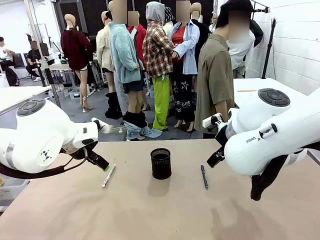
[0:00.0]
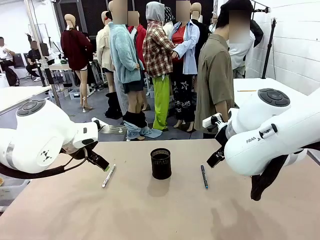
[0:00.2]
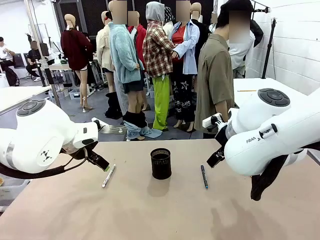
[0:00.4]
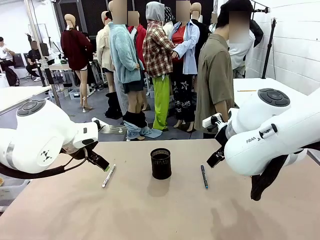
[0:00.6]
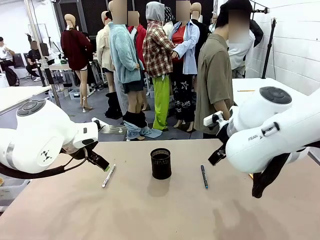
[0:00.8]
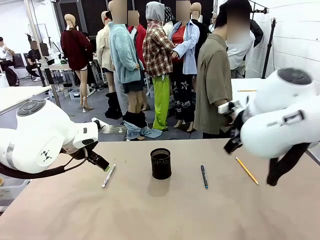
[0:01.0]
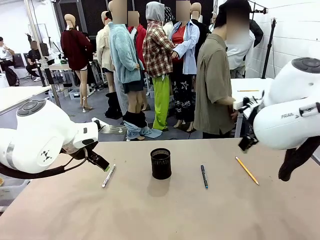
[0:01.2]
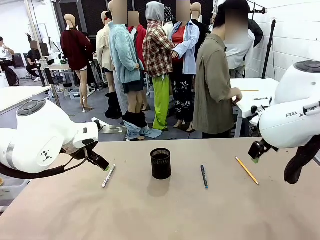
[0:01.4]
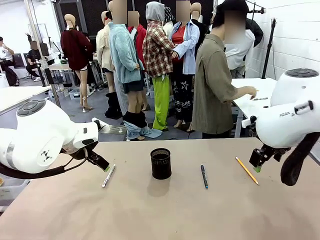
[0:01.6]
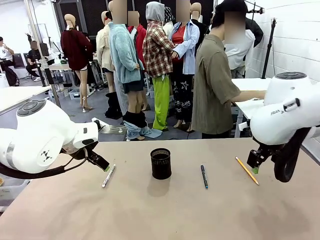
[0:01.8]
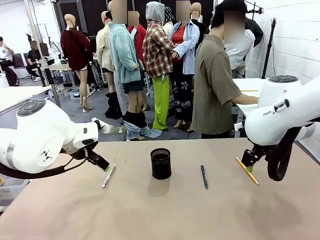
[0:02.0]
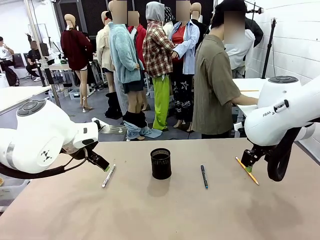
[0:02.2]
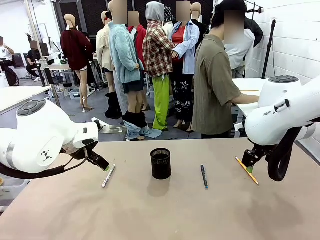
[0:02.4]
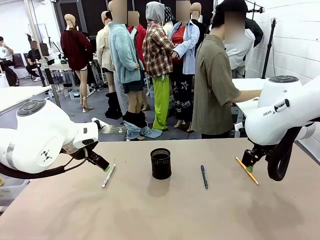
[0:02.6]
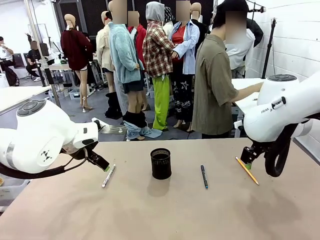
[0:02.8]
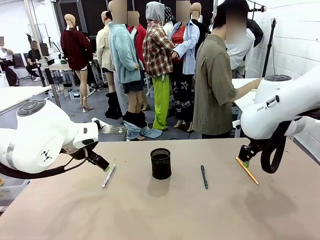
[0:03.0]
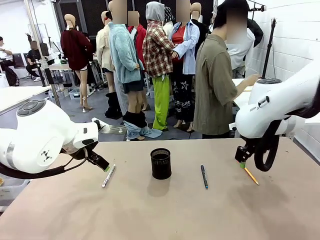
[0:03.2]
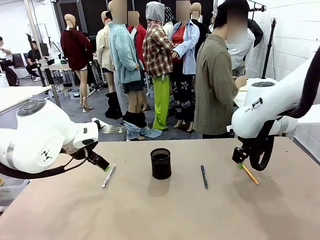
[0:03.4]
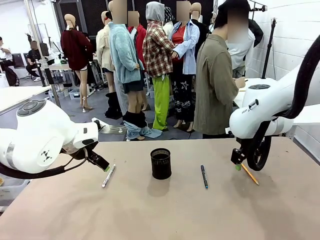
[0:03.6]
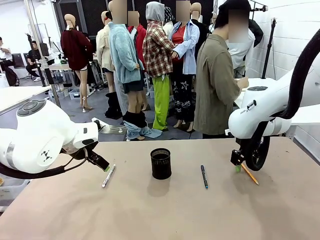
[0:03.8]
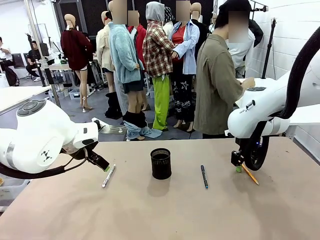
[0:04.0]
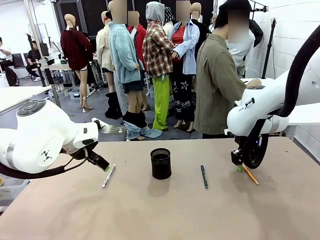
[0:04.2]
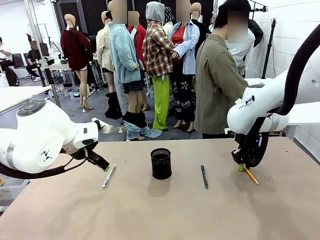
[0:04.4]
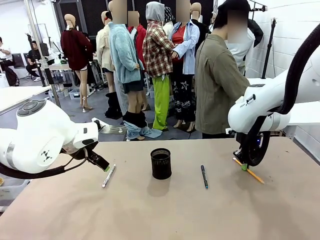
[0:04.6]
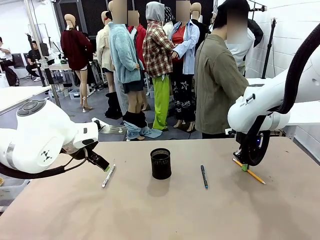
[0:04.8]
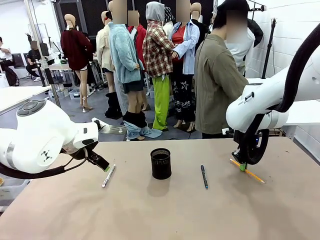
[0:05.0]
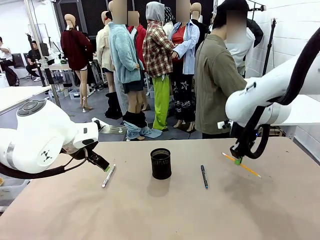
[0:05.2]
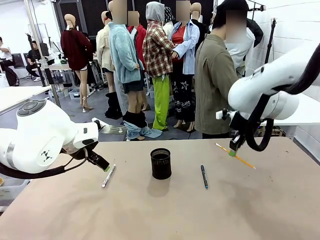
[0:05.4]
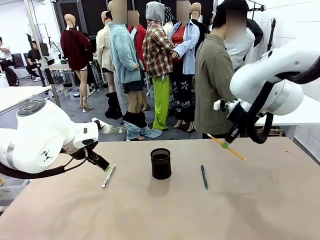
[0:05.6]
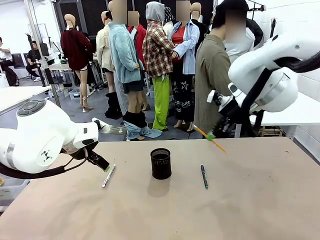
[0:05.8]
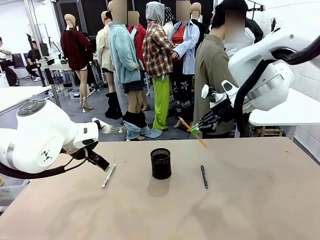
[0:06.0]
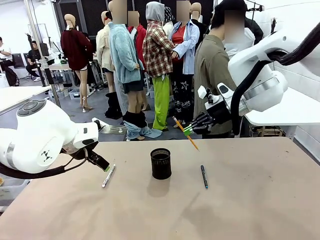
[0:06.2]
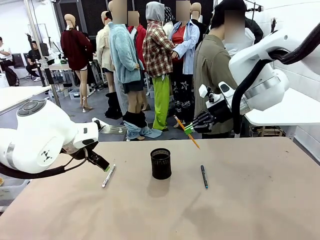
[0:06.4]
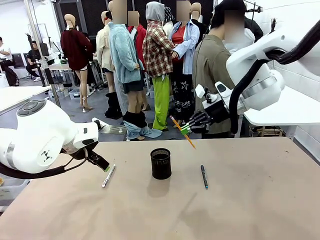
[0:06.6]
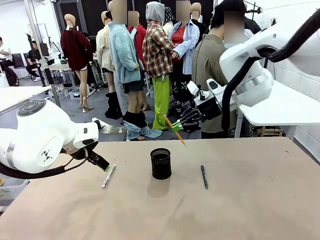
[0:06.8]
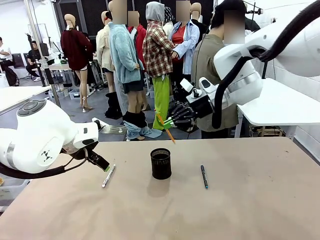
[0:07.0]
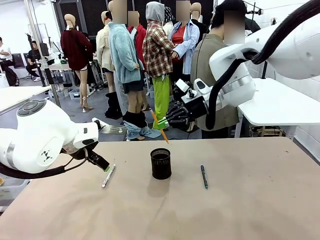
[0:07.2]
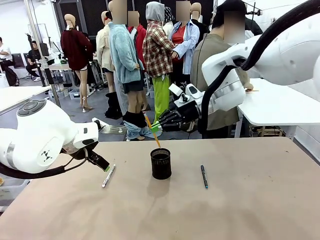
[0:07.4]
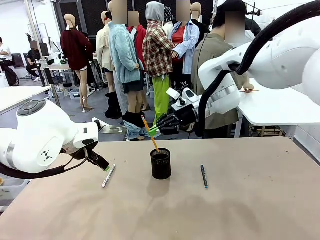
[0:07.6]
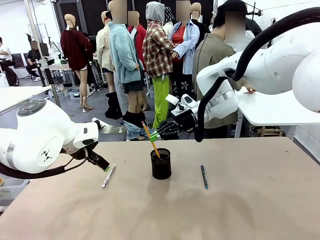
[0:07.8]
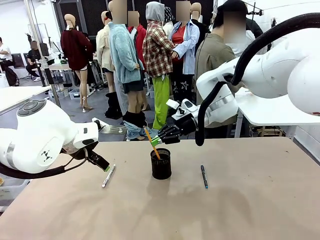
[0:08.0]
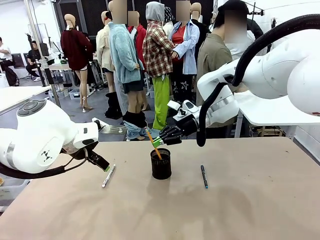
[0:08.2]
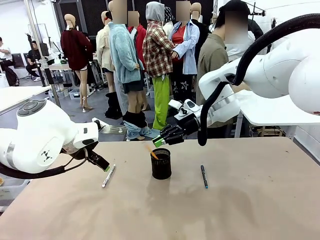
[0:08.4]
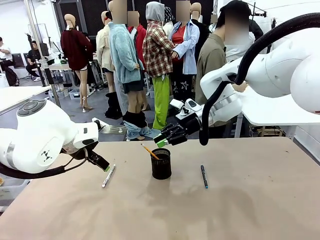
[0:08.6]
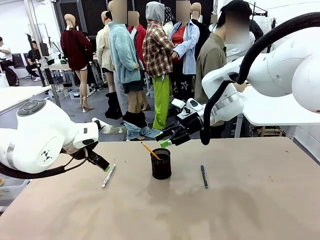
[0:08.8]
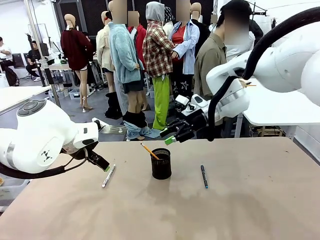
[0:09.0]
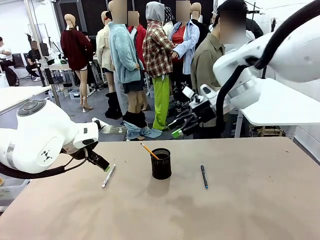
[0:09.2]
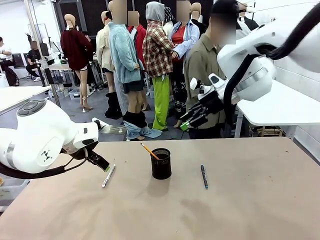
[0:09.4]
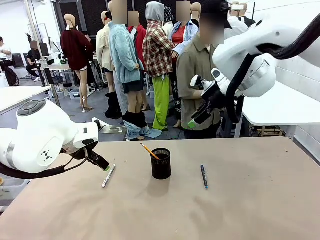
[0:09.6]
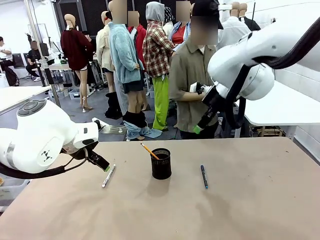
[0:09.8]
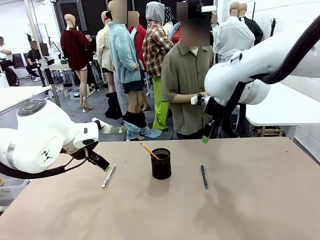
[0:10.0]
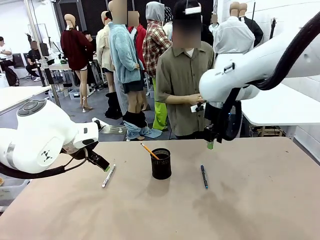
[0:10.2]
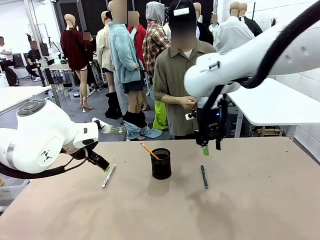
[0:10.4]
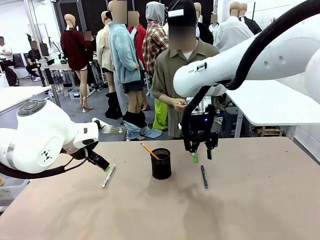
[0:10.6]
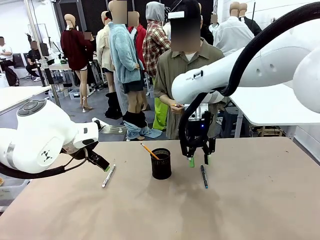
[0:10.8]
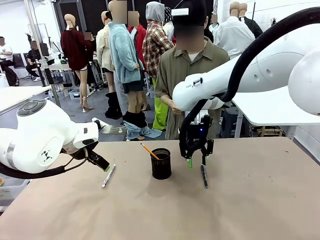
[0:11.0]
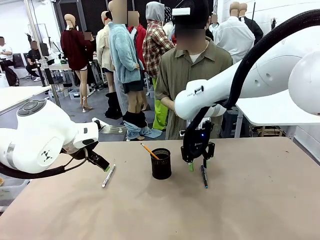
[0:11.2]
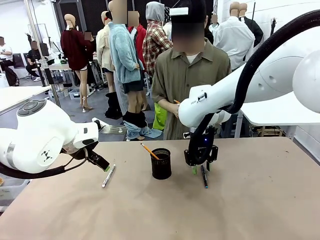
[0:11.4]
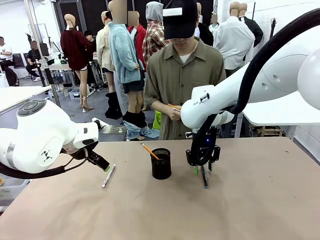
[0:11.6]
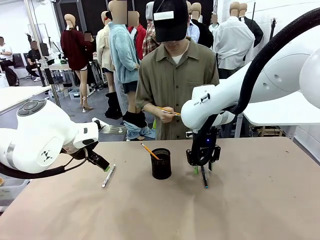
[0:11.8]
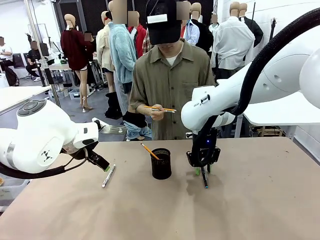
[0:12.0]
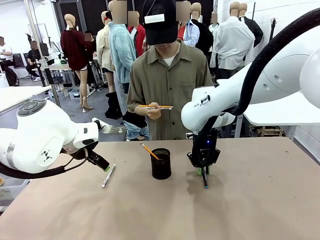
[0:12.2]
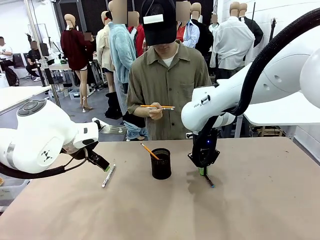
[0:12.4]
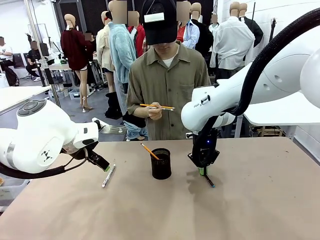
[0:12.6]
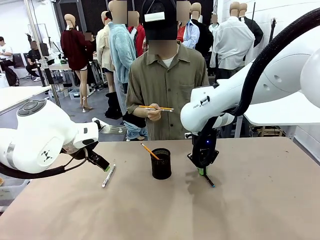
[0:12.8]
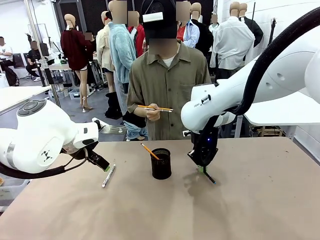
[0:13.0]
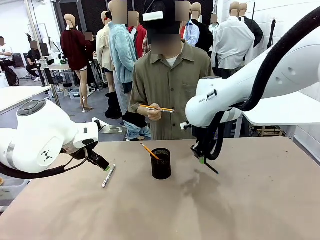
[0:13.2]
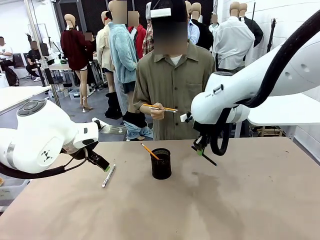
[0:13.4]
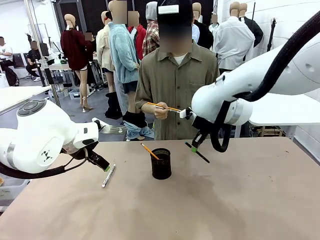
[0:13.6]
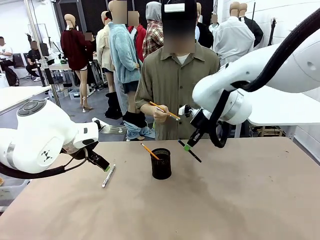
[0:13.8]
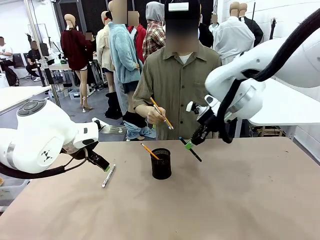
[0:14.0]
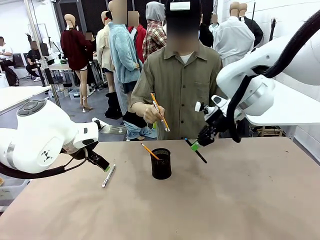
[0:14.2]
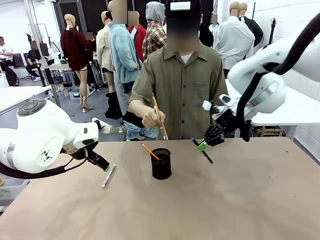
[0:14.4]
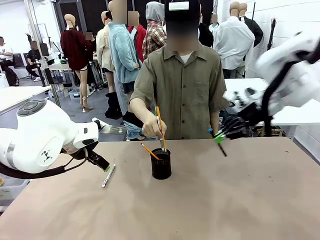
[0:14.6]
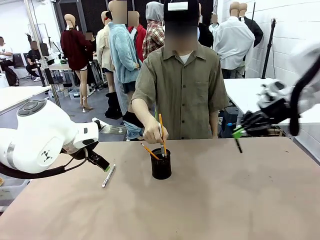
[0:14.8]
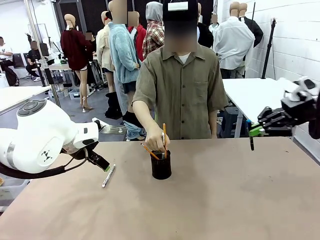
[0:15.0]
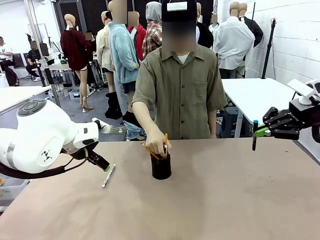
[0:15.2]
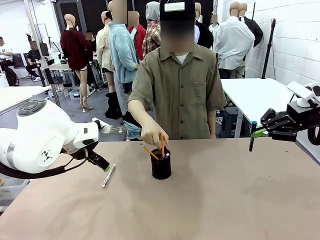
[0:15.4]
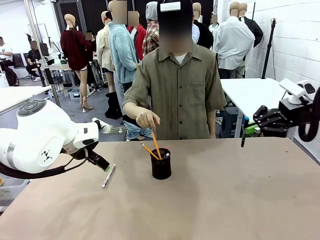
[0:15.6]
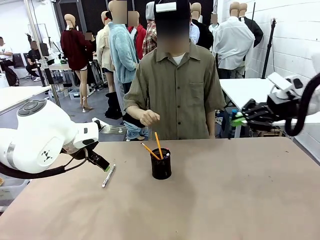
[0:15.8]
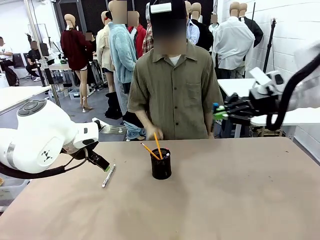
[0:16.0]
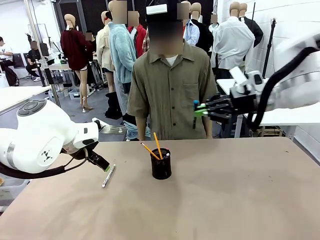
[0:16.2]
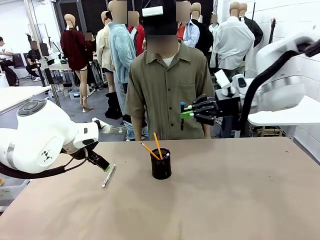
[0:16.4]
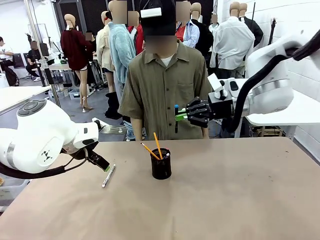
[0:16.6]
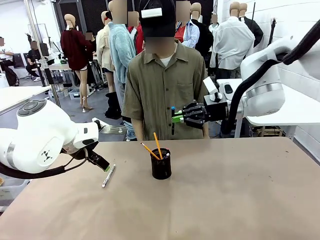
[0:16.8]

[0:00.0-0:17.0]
Task: Place the pens into the pen holder.
Robot: Pick up a writing instrument from the table and place it into the Pen holder.
Person: Pick up all writing instruments from the Human table.
